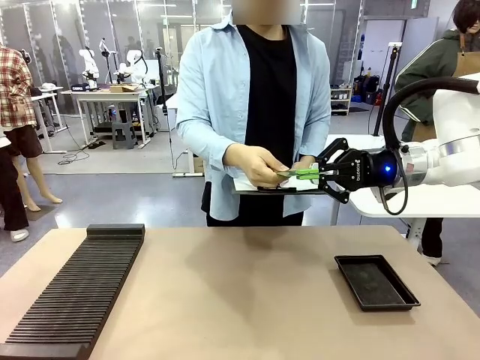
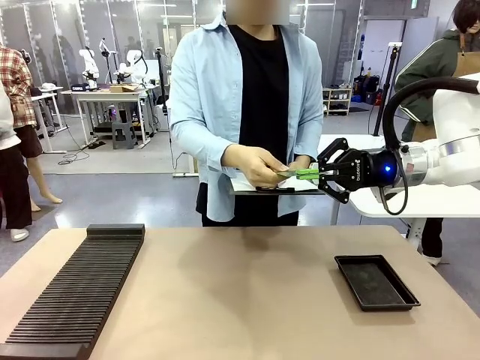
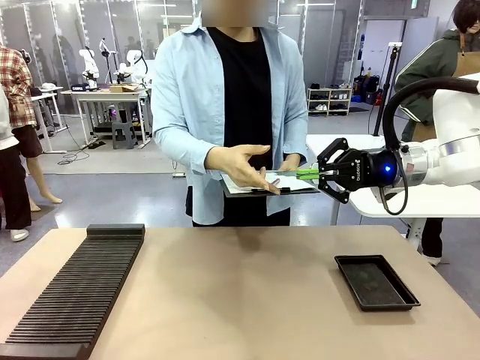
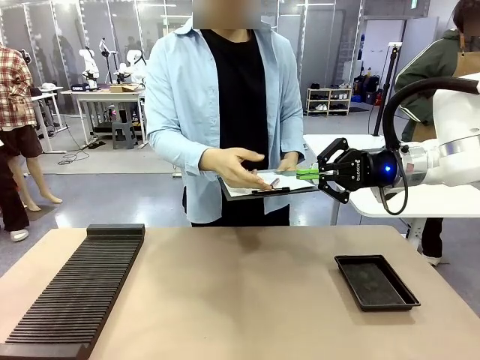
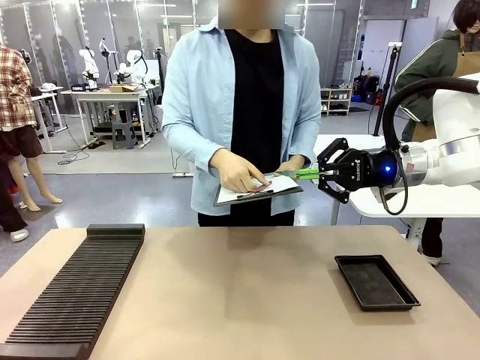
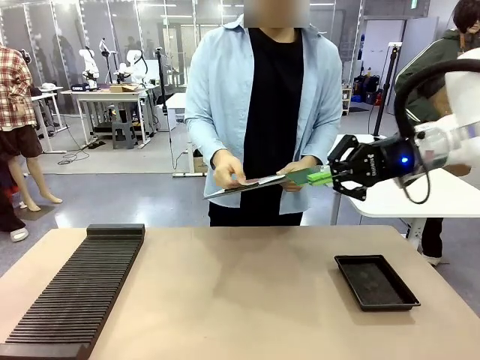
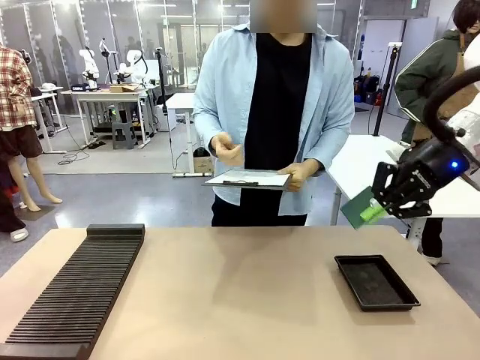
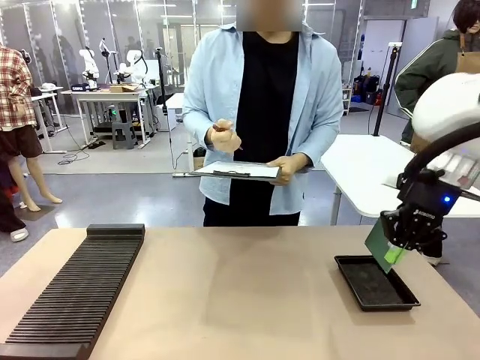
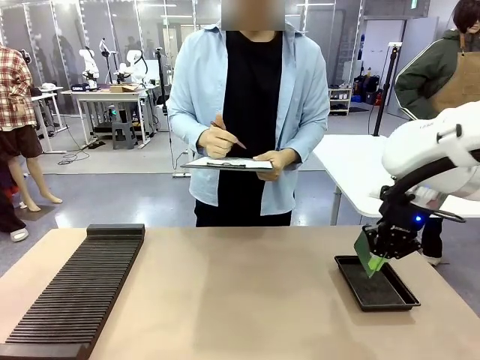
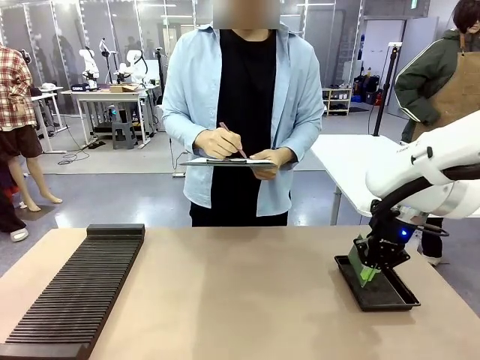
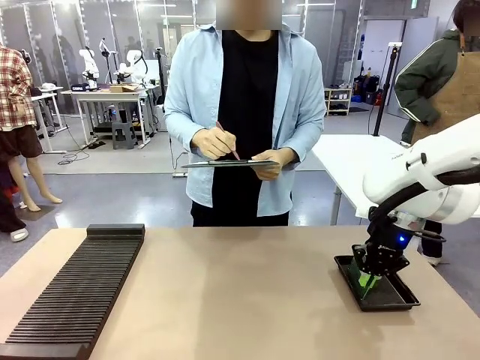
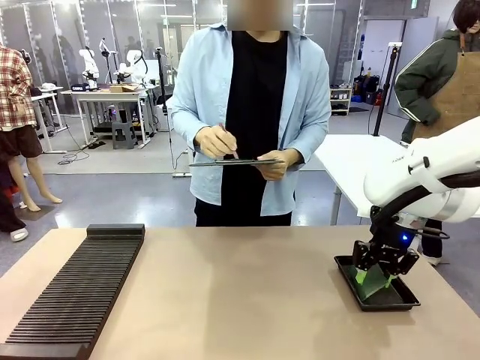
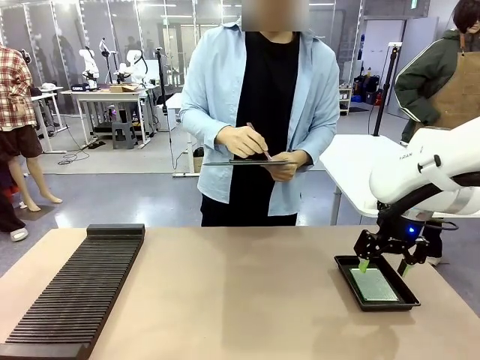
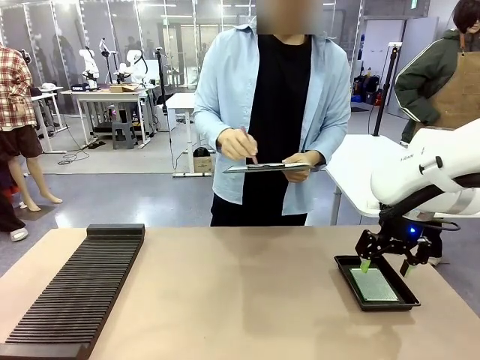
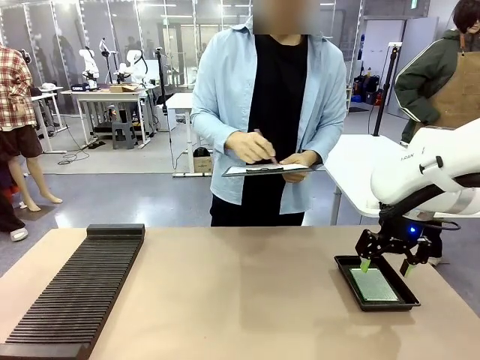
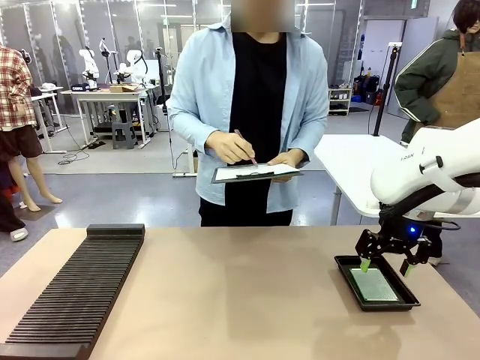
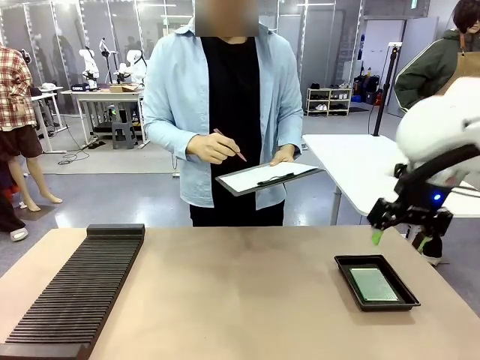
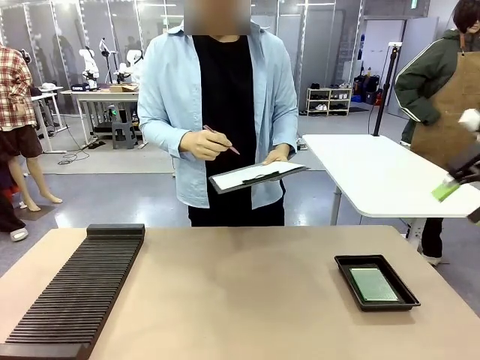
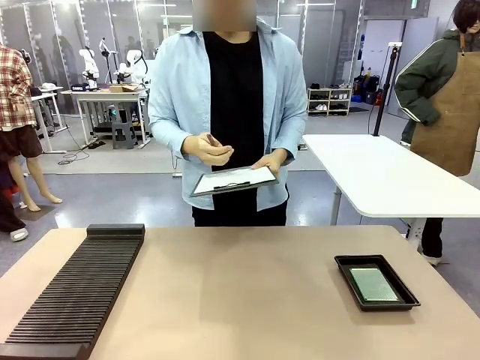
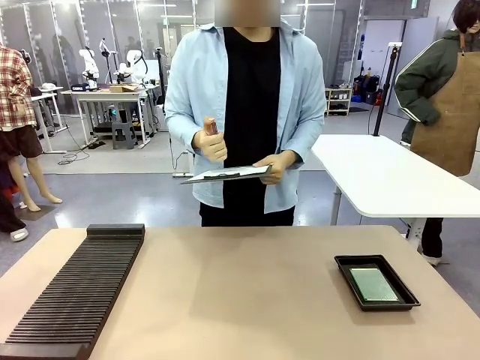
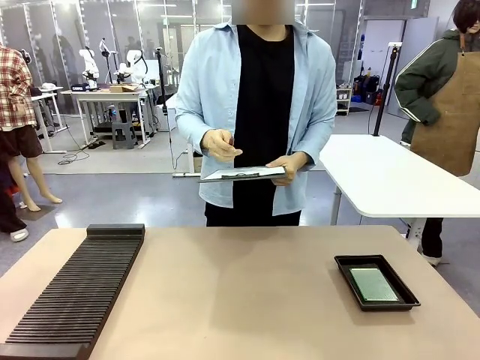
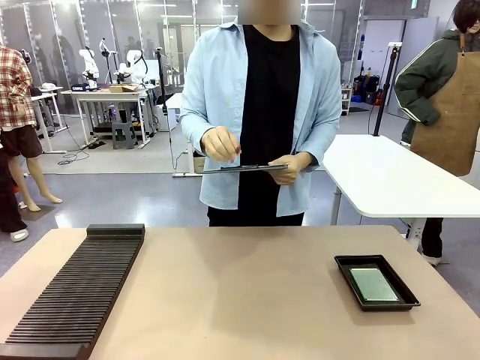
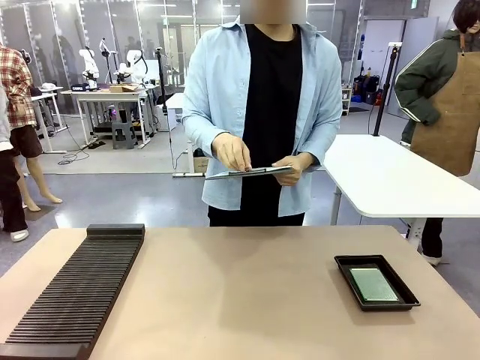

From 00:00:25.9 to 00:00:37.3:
Task: Inspect the PCB.
Robot: Place the Blank PCB in the ESD tray.
Person: Record the PCB status on the paper.

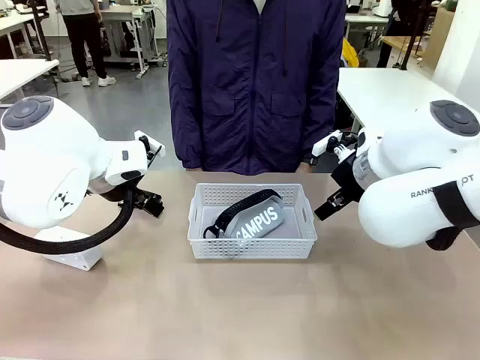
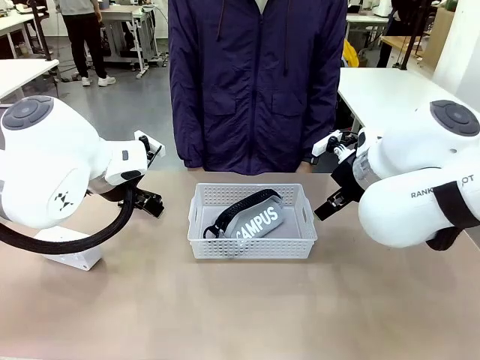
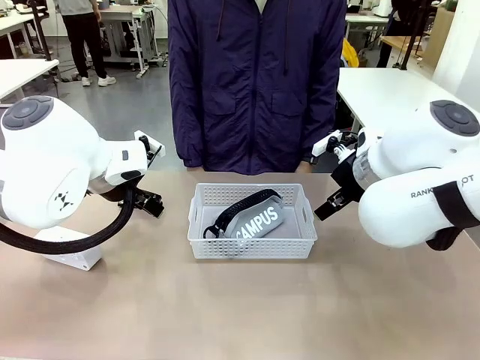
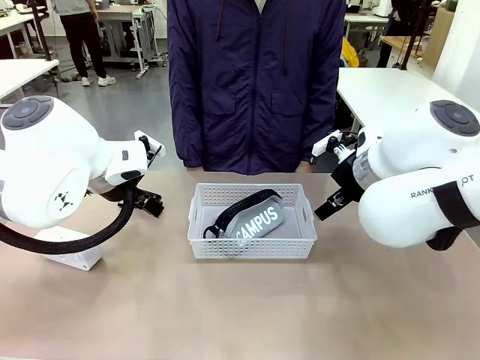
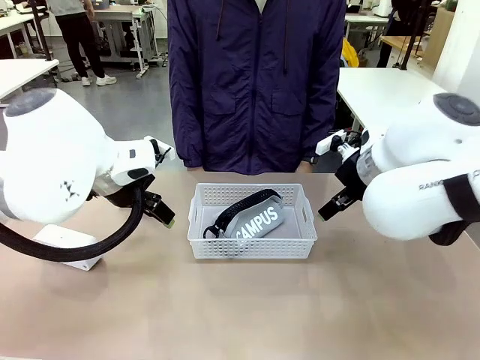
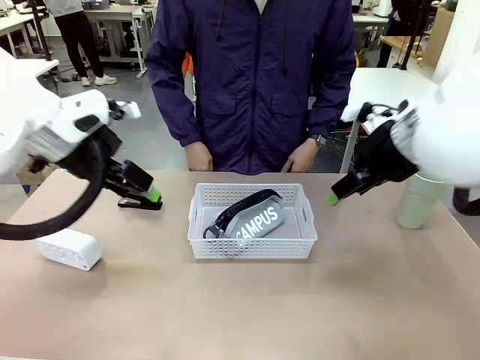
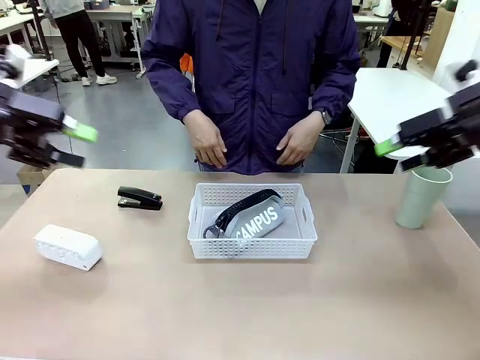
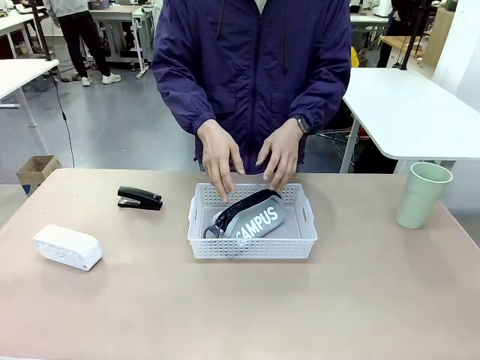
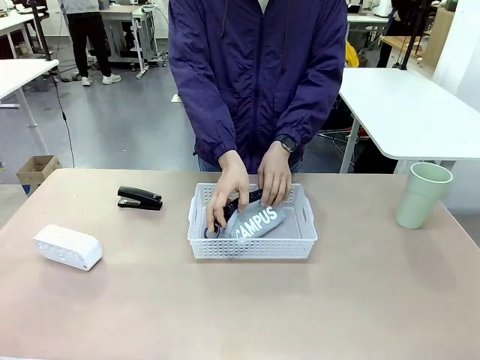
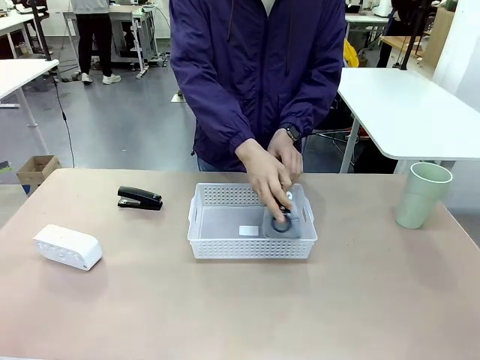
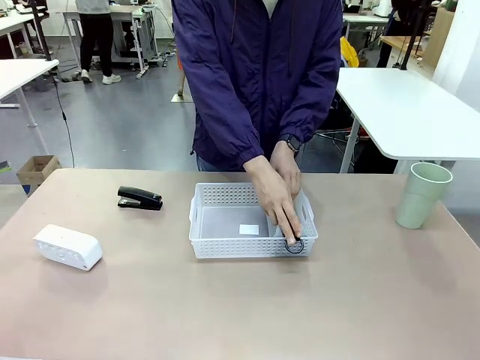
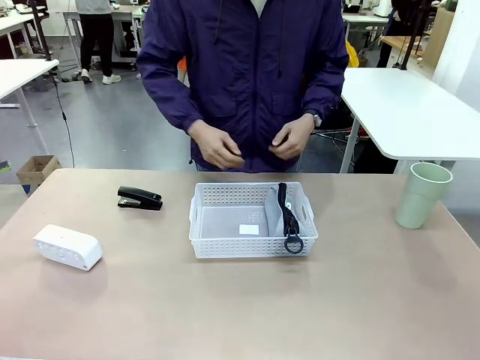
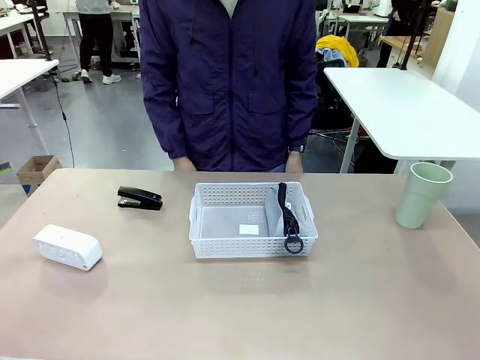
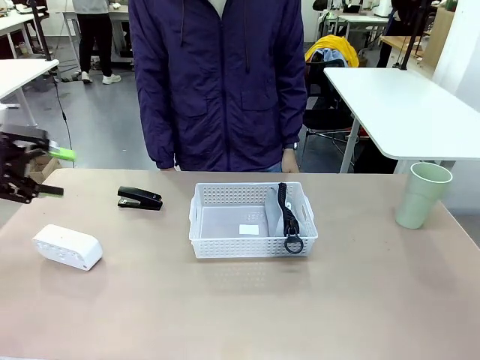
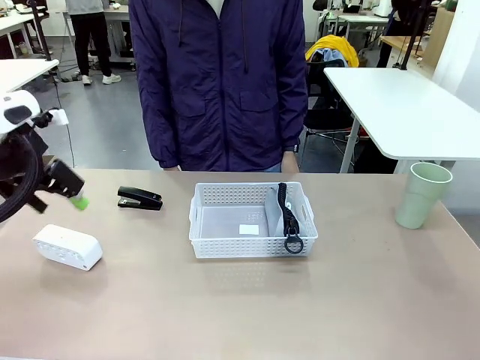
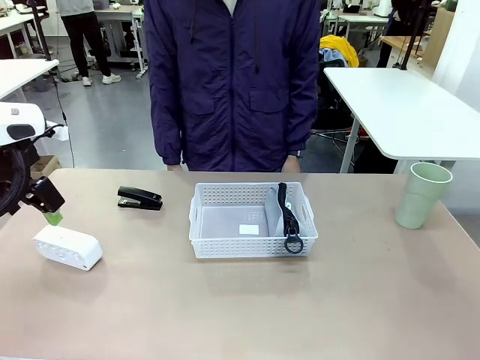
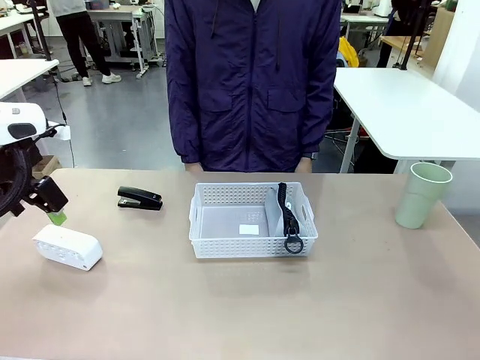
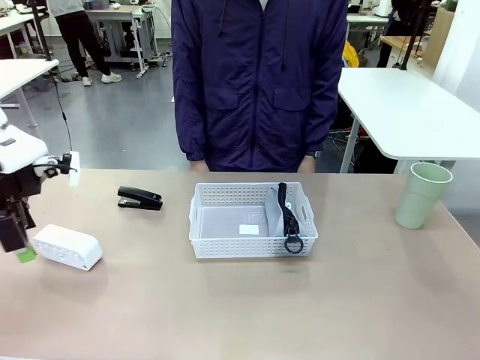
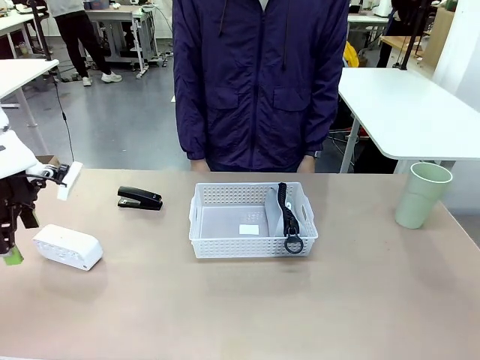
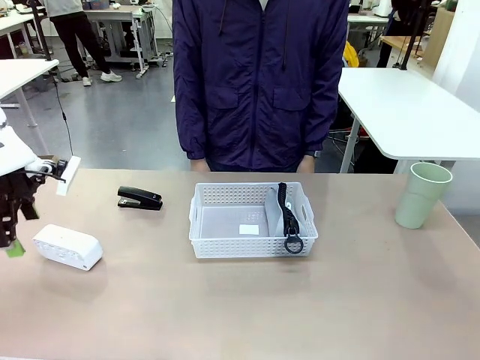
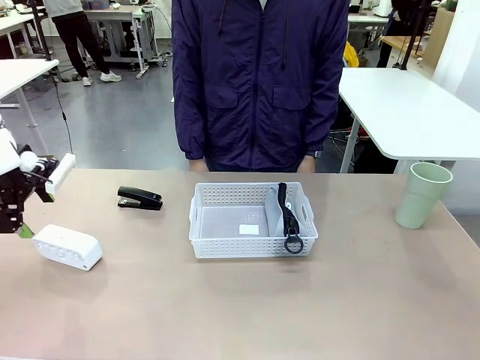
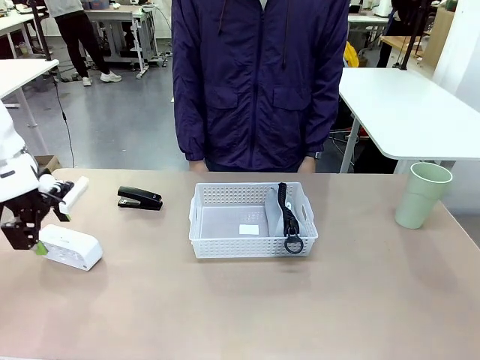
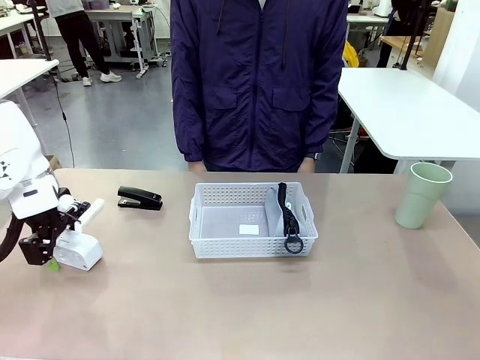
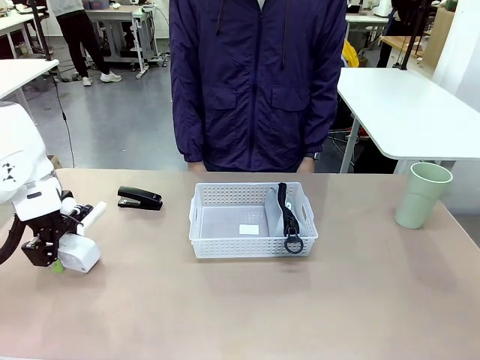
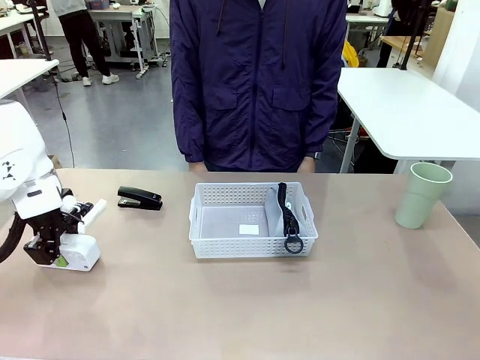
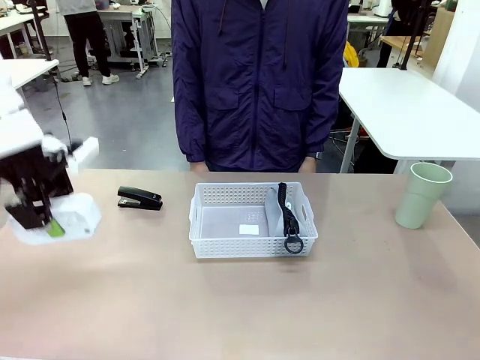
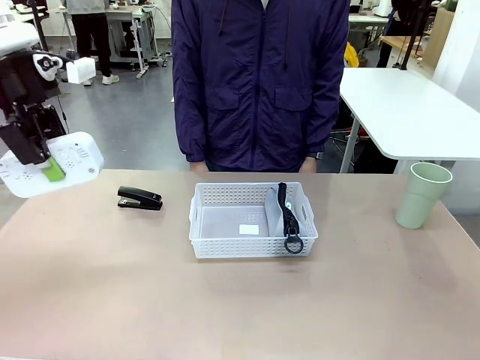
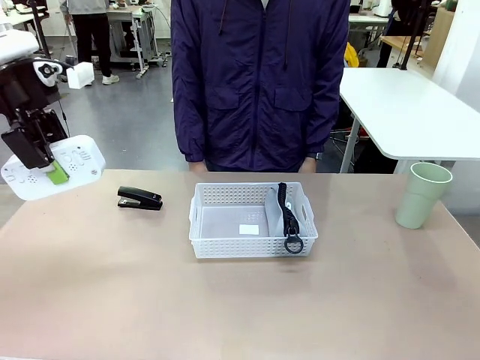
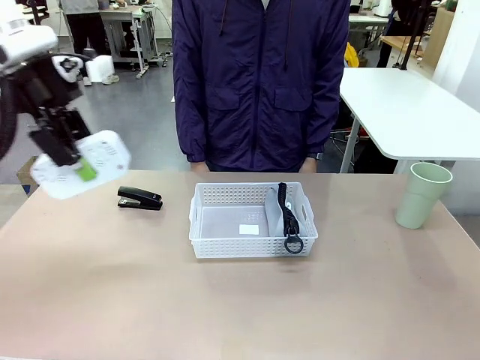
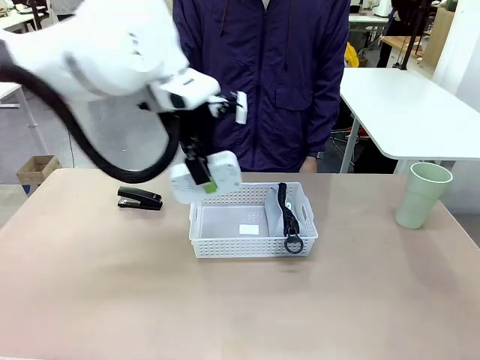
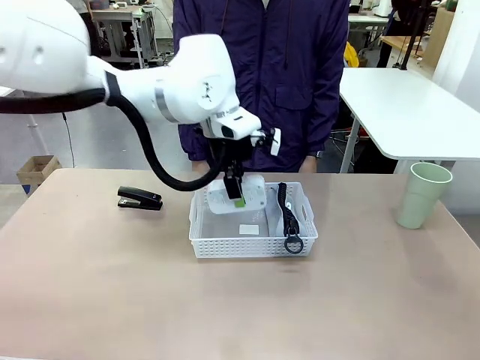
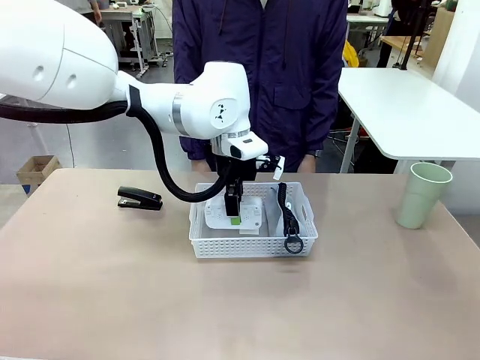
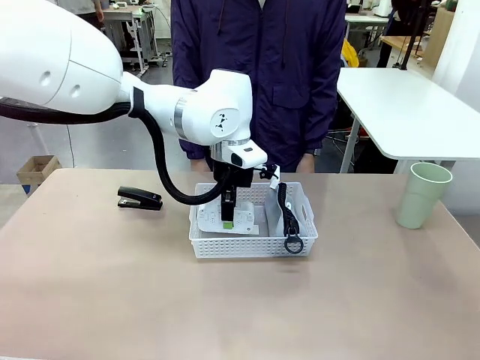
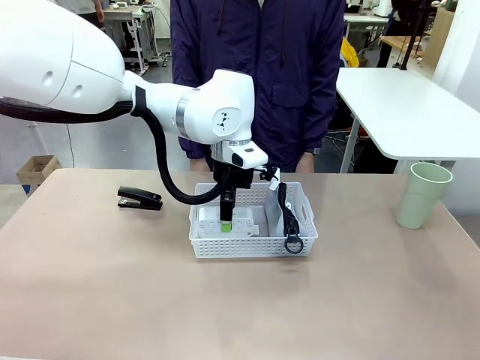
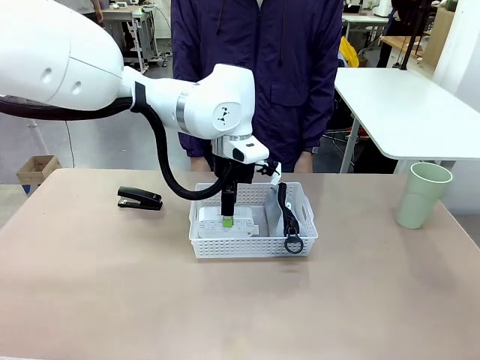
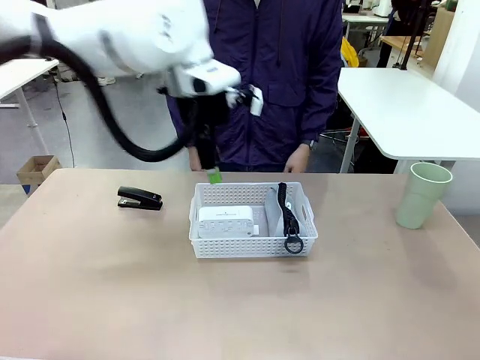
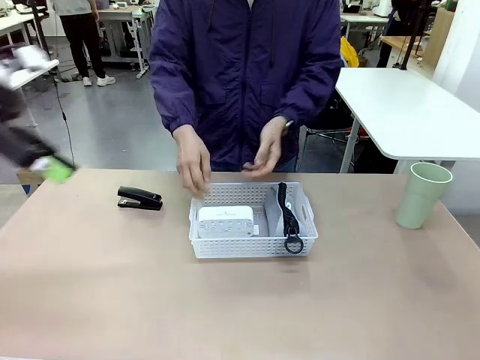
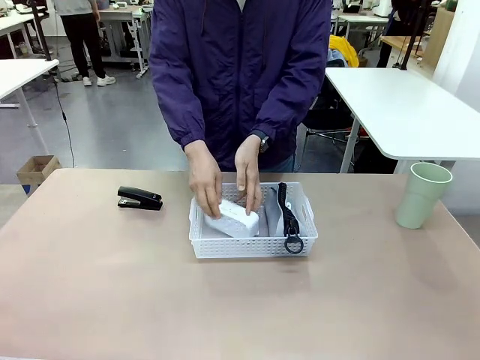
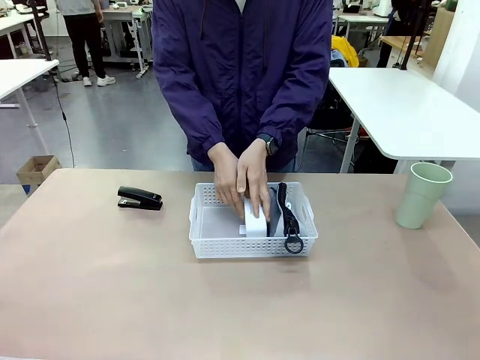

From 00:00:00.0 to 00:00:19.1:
Task: Efficiently arrange items inside the basket to fit them all.
Robot: Pick up the Digital clock and place it inside the Organizing basket.
Person: Repositions the pencil case. Repositions the digital clock.
